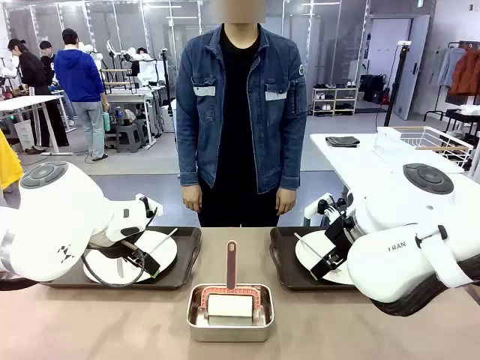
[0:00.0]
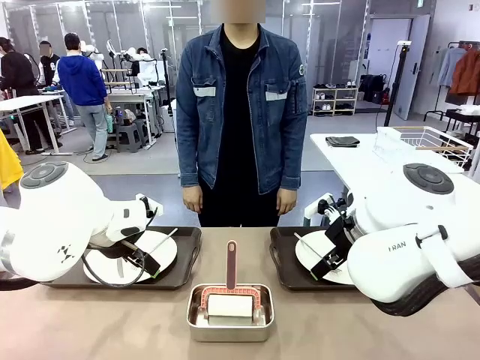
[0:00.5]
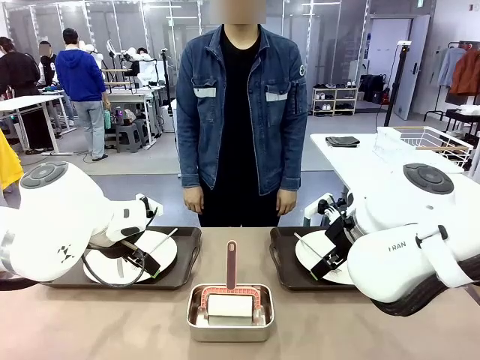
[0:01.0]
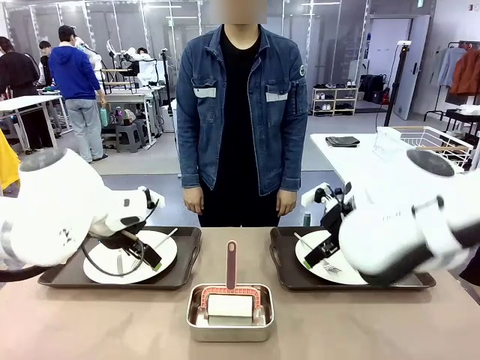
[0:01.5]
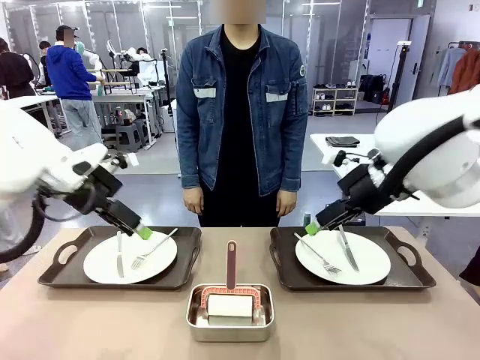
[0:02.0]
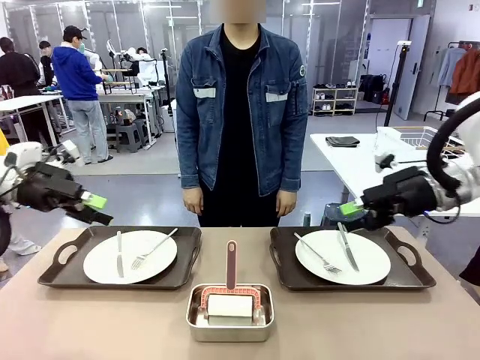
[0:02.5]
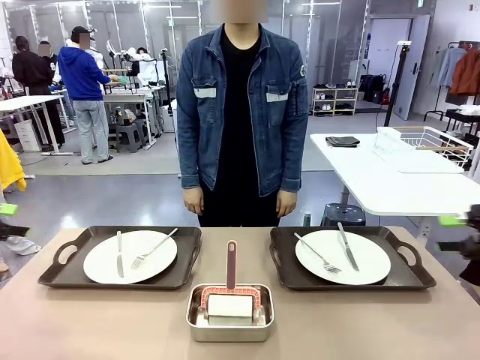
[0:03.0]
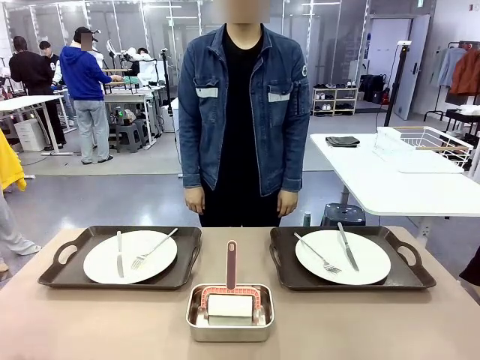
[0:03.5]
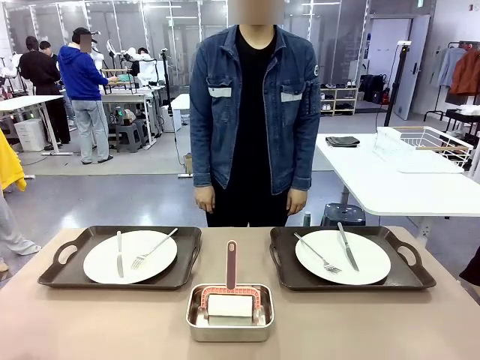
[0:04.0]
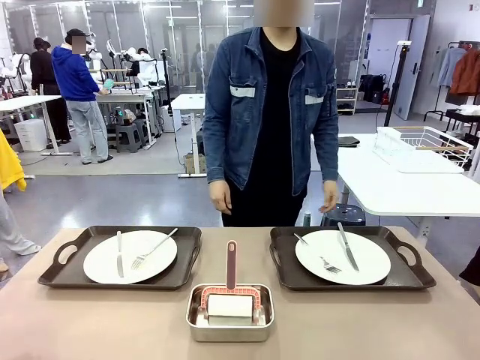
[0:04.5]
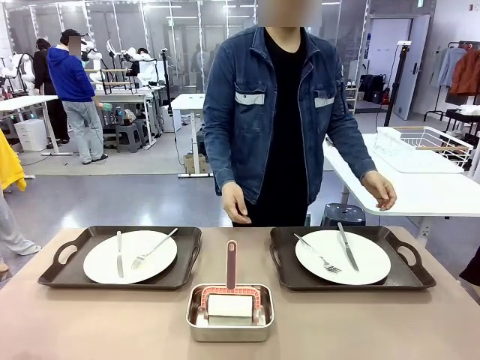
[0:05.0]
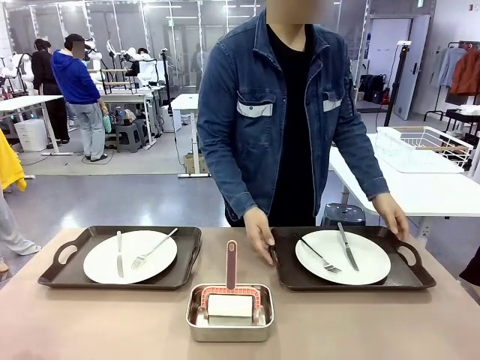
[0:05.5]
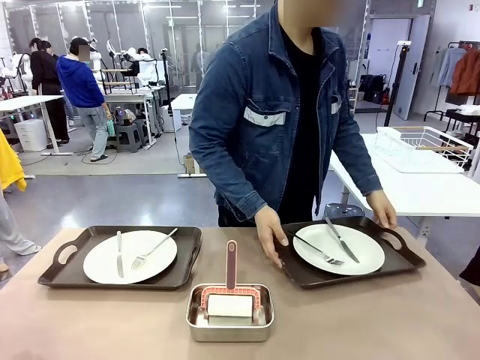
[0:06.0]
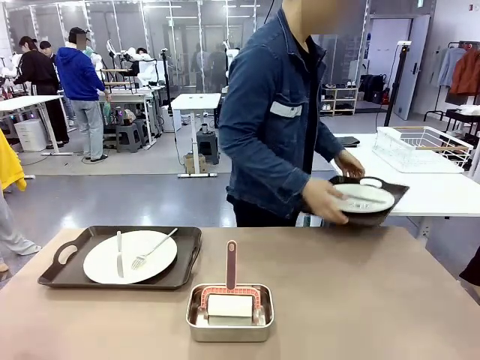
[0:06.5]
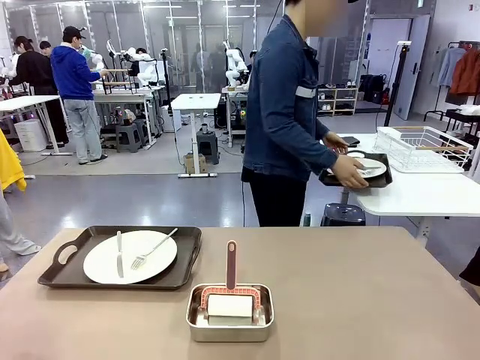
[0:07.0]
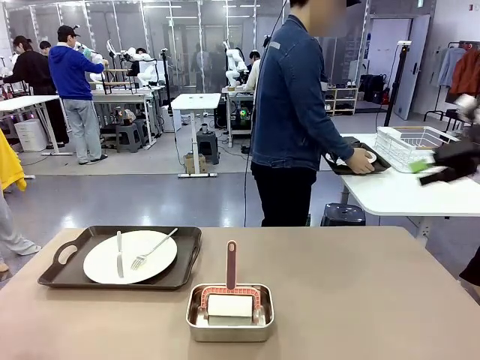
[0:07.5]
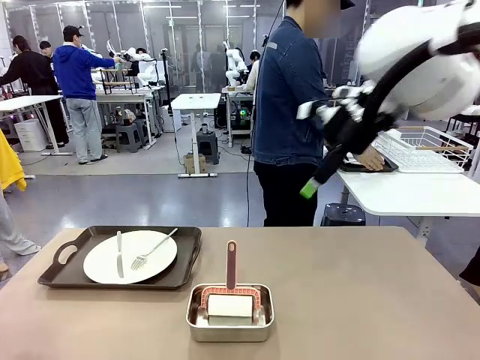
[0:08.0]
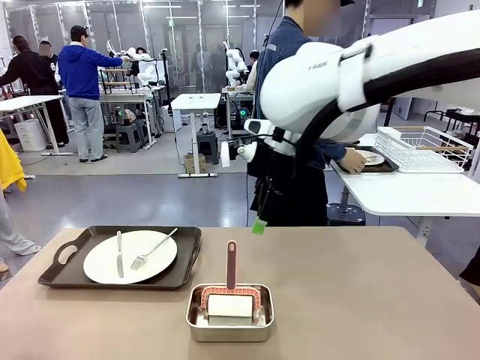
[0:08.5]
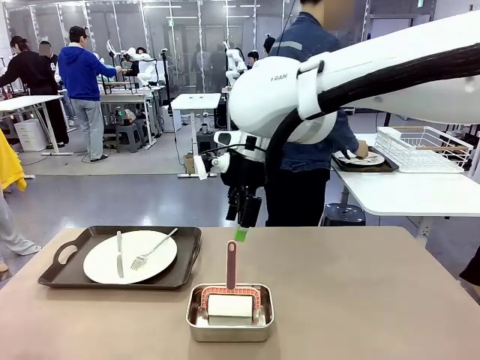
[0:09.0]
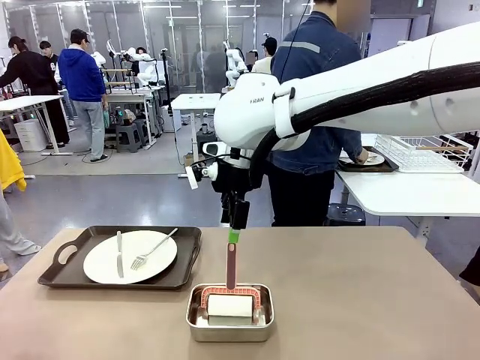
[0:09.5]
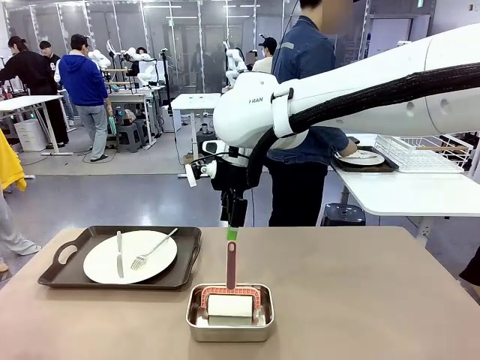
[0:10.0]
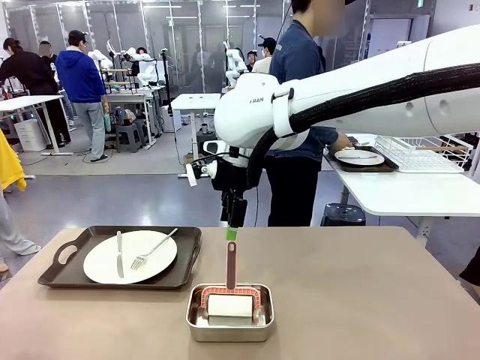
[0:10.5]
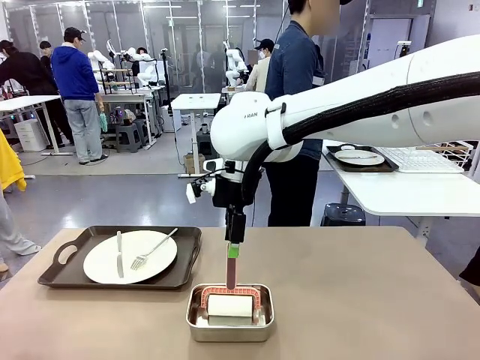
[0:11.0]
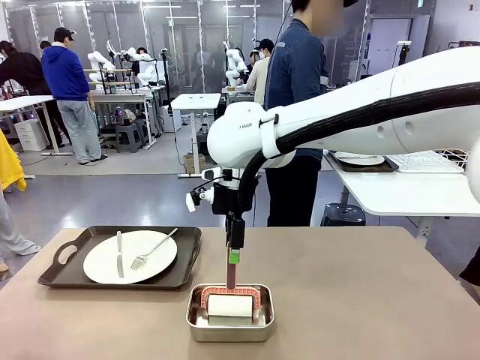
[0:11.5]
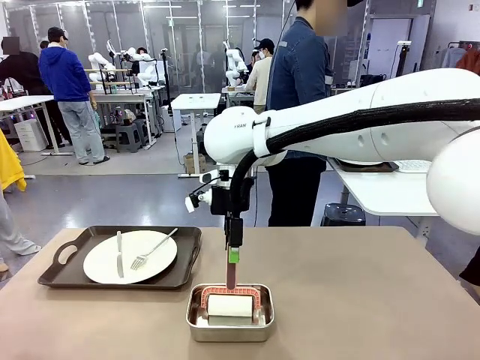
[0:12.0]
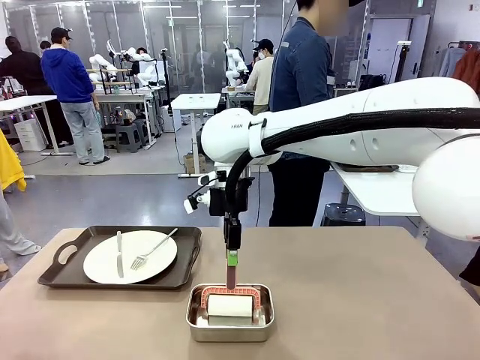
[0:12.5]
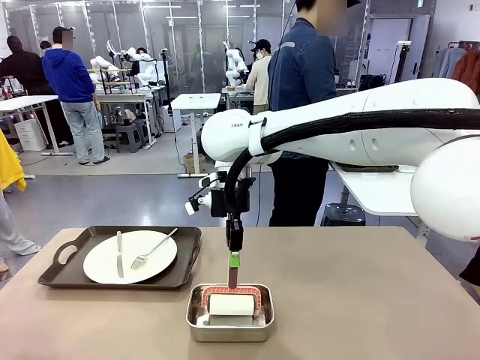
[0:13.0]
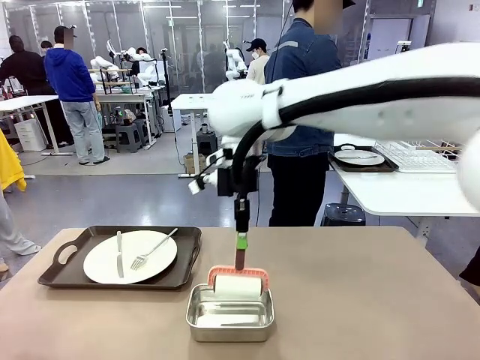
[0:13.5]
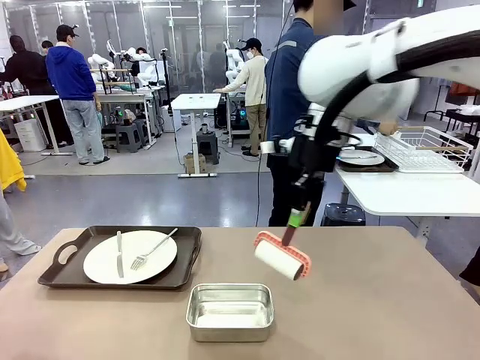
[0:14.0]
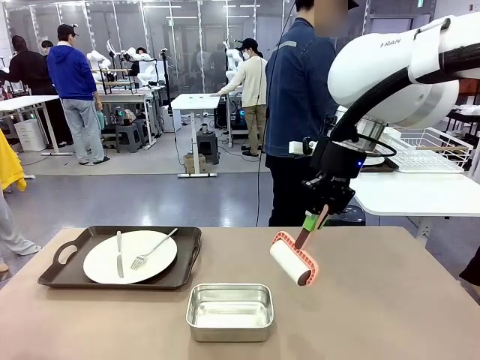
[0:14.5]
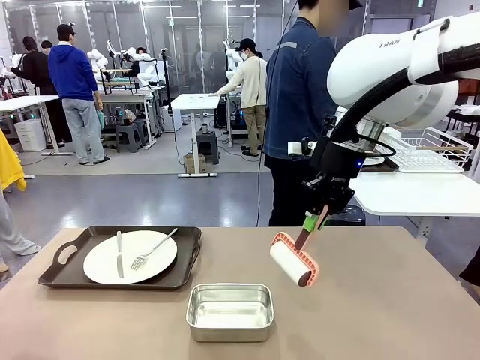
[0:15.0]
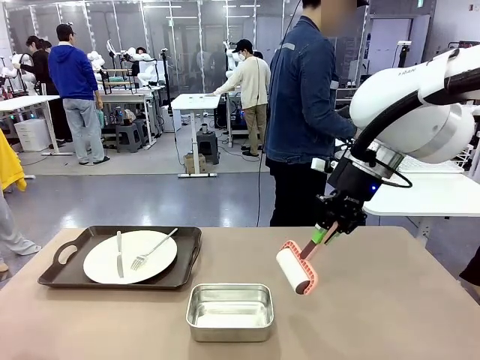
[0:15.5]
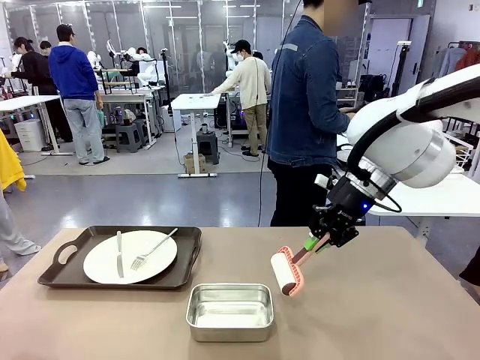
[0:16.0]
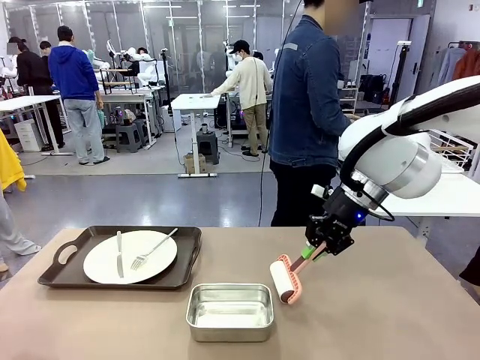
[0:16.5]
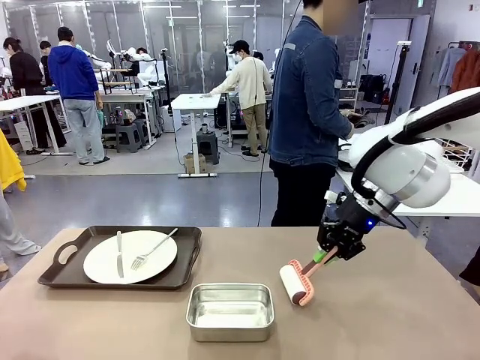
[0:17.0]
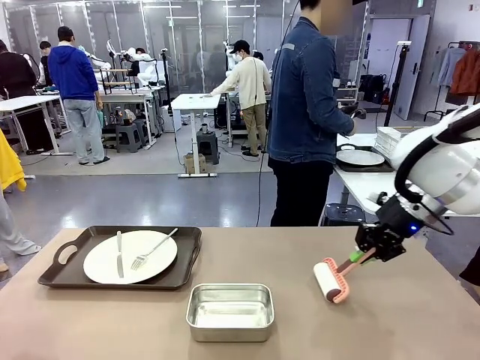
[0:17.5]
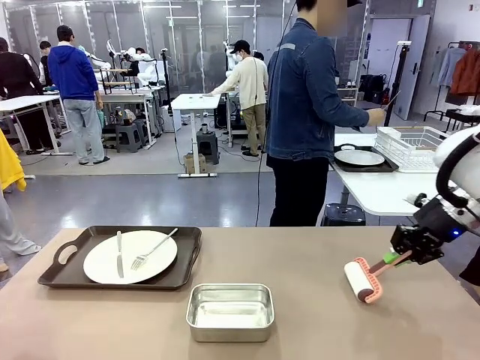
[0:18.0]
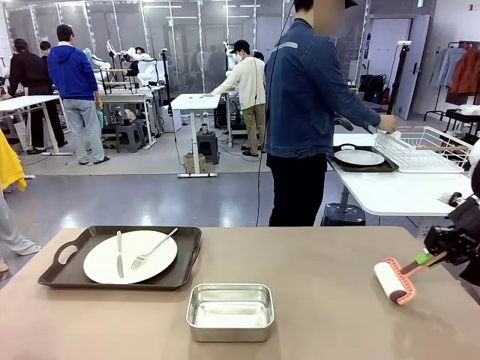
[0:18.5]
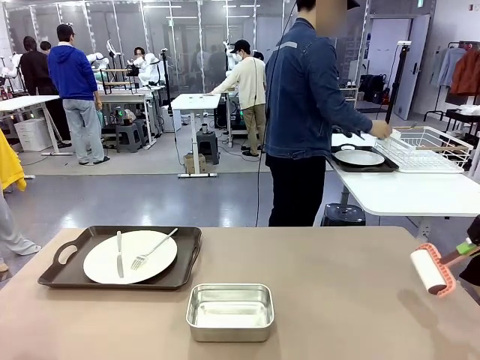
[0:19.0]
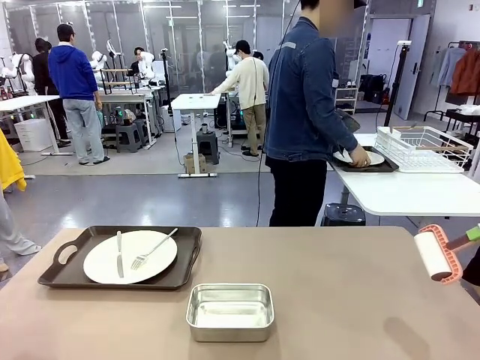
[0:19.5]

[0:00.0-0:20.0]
Robot: When the left (or right) Handle tray is removed, use the left hand (or right hand) to clean the left (or right) side of the table with the Lint Roller.
Person: Pick up the left (or right) Handle tray and place it on the middle of the Human's table. Use the Towel with hook to wipe the Plastic Matte Plate , Fork , and Knife and place into the Dish drying rack.

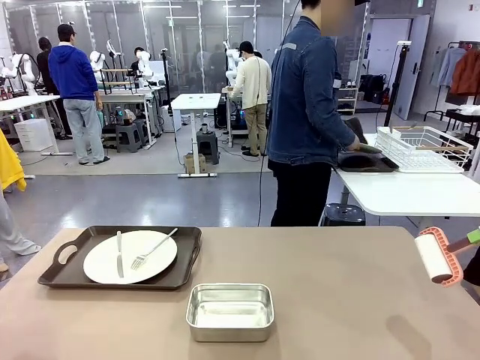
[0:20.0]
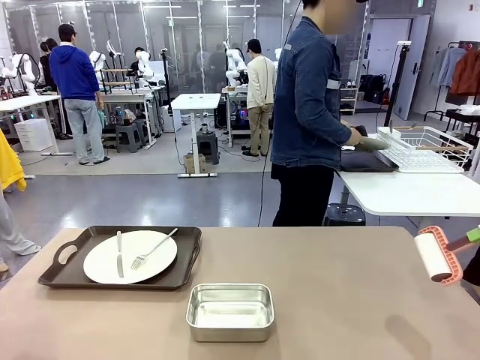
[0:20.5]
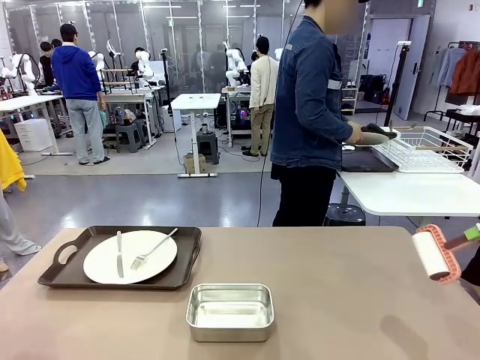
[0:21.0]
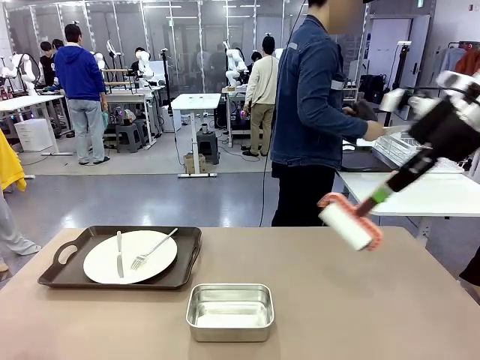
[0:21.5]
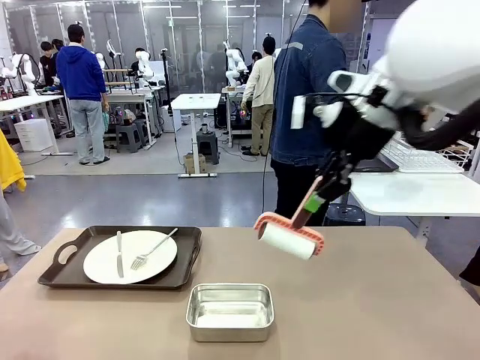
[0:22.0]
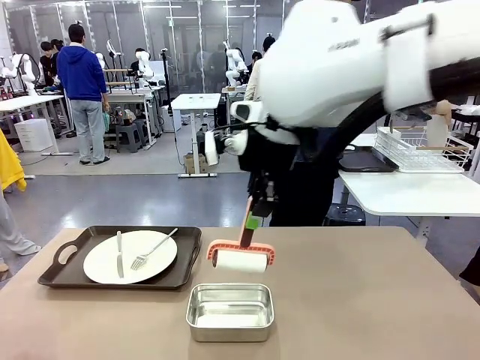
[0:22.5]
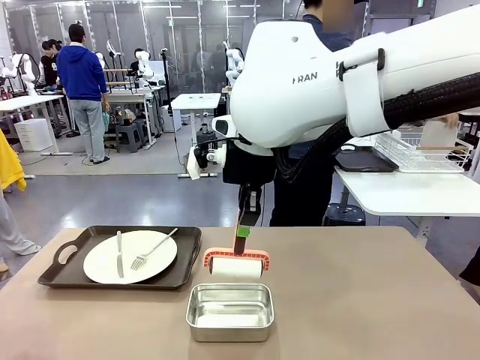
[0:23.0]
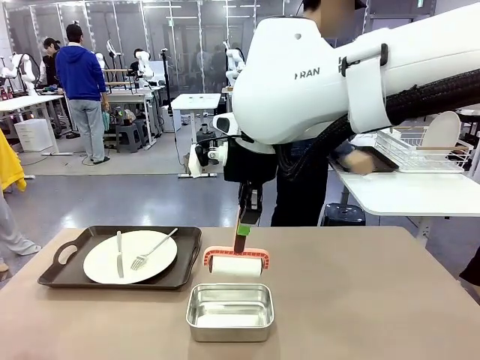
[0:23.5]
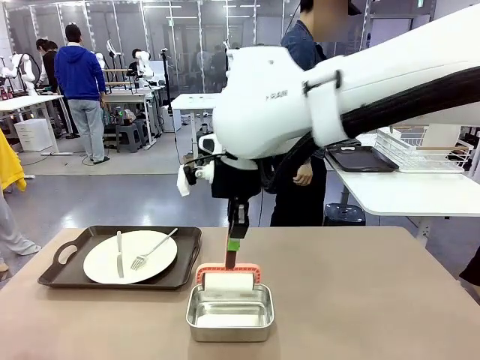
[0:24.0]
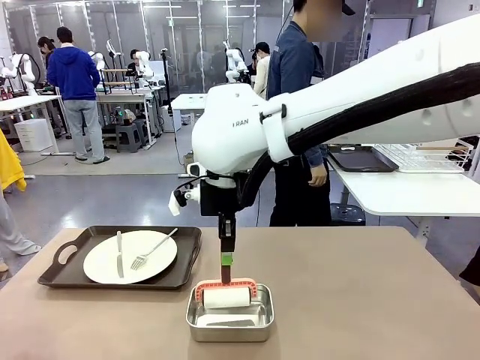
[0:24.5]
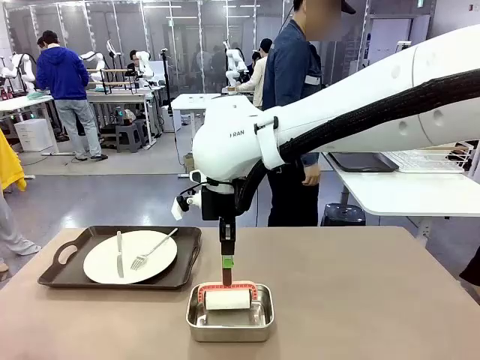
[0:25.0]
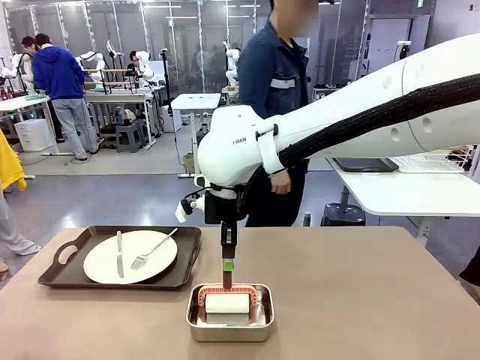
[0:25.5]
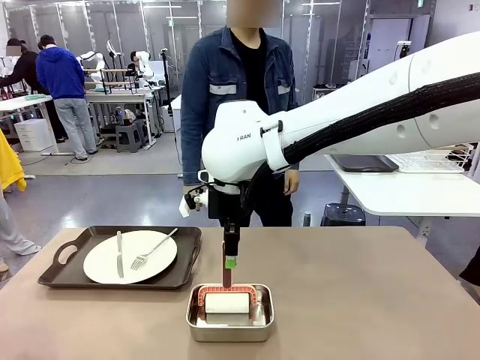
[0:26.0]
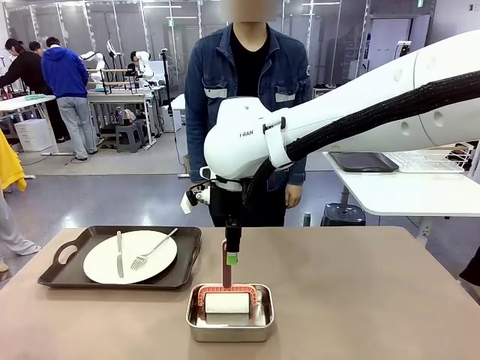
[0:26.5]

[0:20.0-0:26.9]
Robot: Place the Lint Roller back on top of the Airtight Container.
